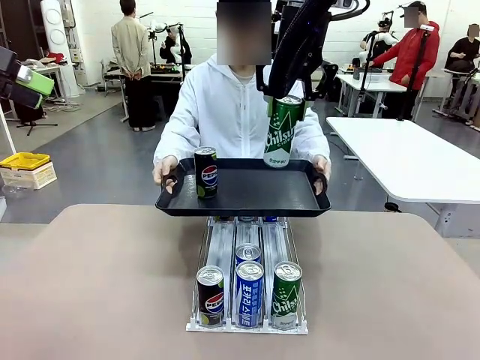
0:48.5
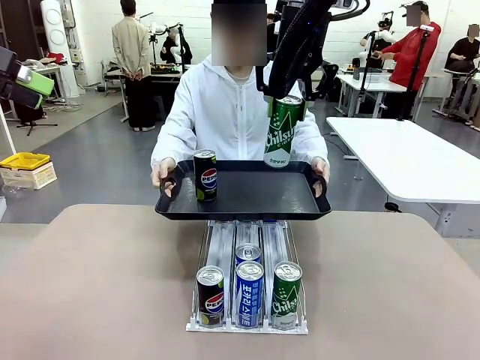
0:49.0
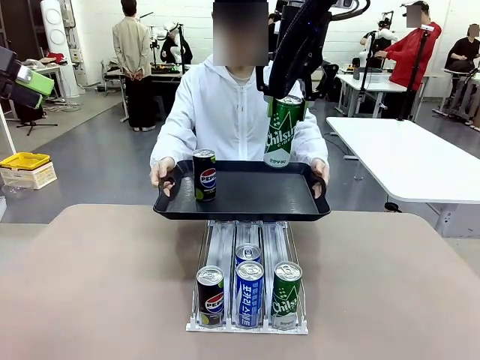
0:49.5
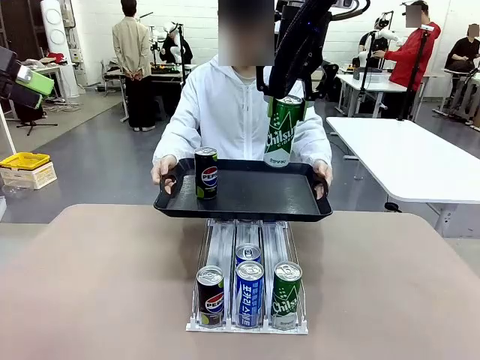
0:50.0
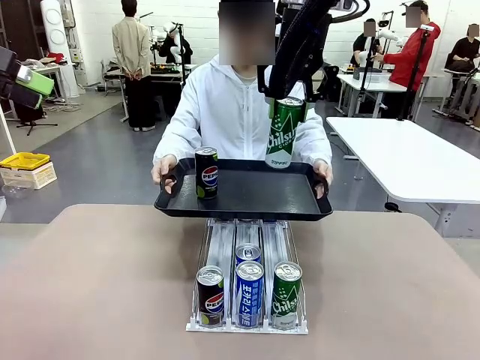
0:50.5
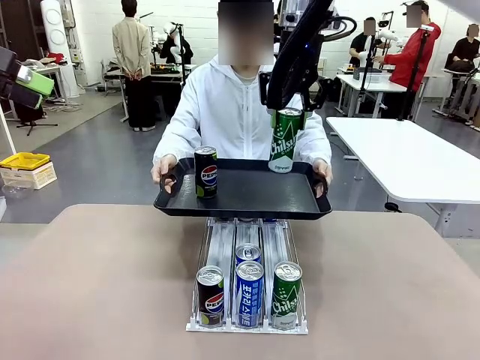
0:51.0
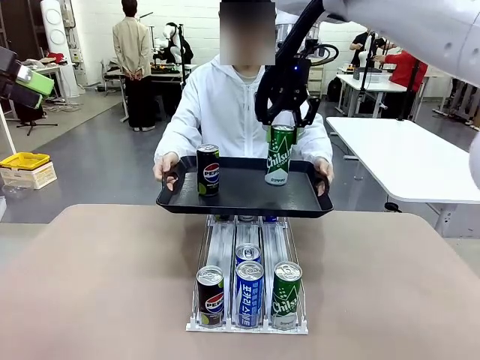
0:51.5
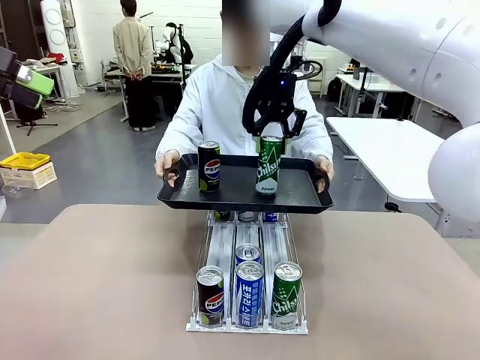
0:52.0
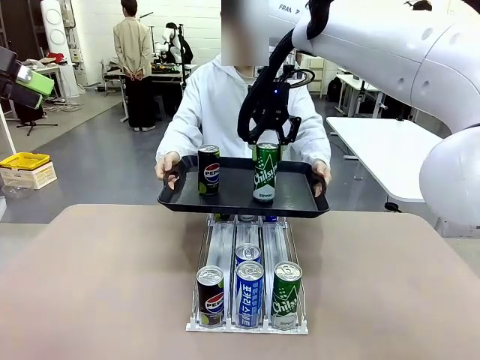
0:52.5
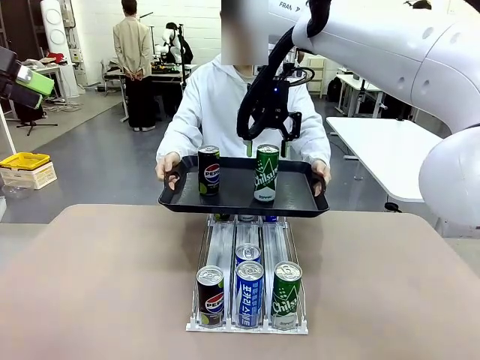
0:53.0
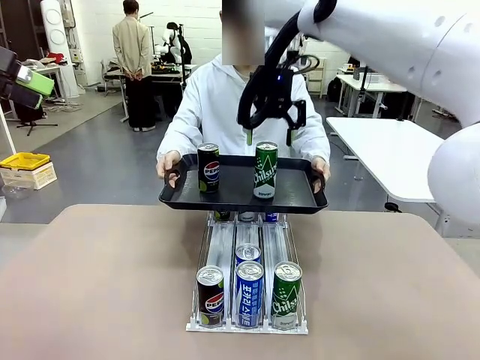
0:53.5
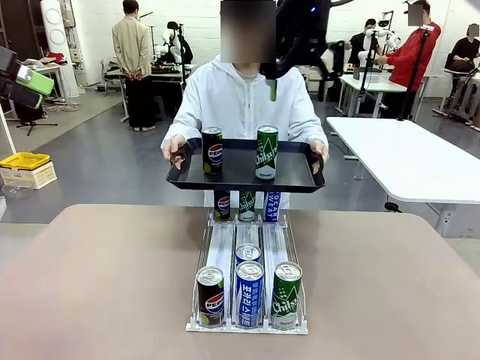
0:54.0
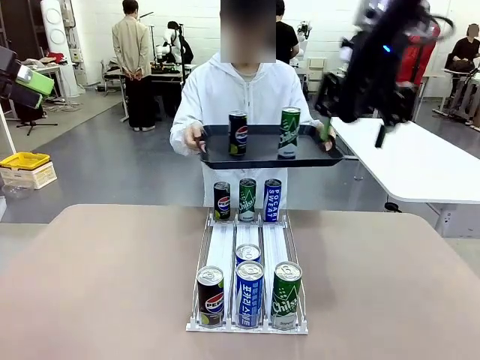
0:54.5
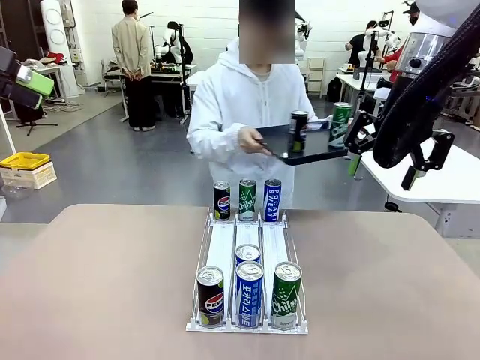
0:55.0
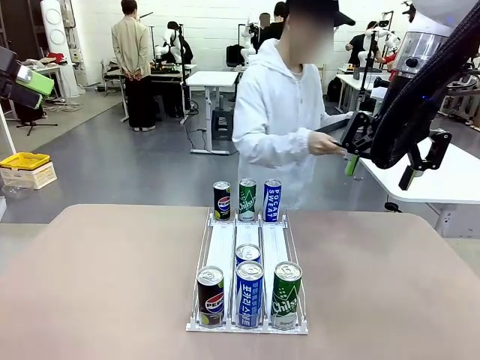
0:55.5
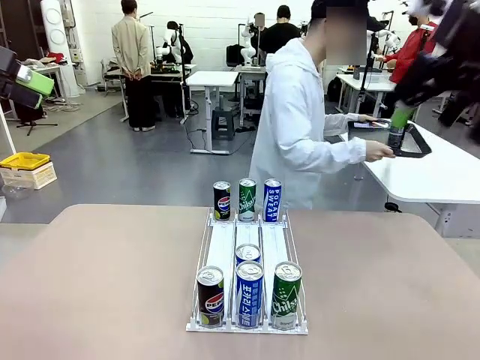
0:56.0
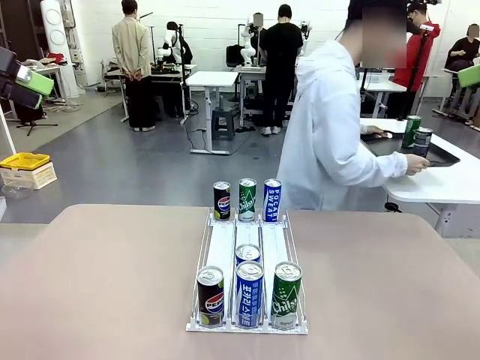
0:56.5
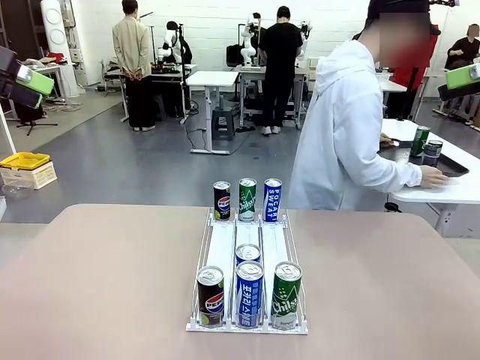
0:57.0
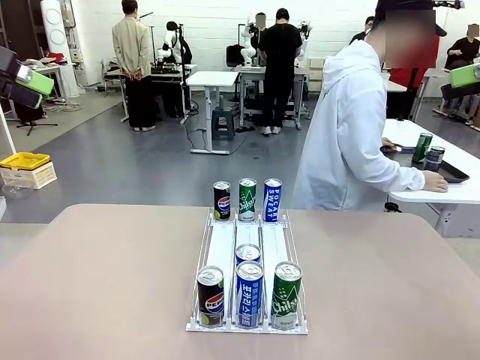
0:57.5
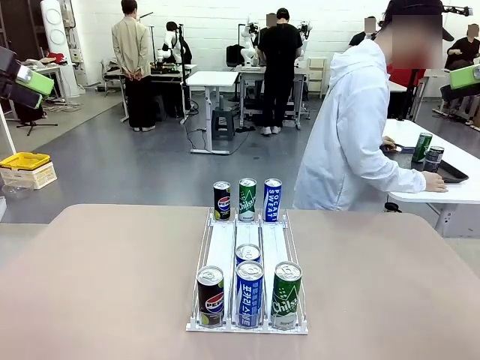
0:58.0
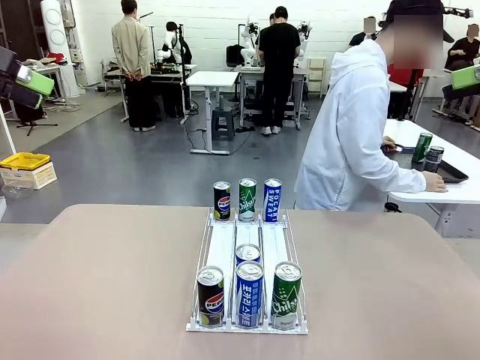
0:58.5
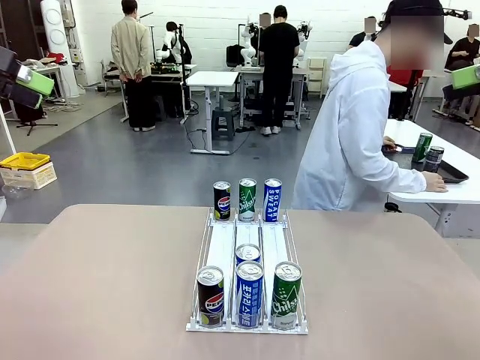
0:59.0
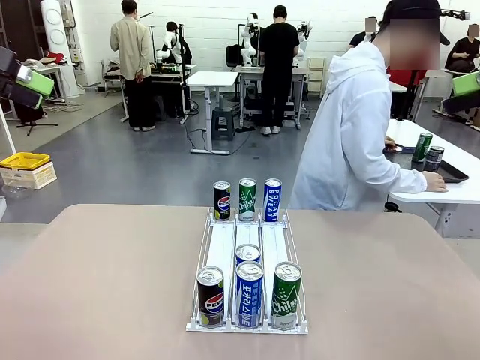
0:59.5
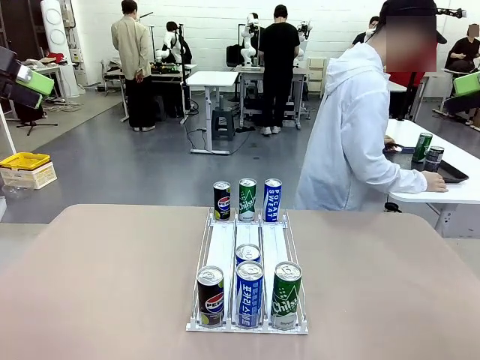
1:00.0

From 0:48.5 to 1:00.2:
Task: Retrieve and hand over the desired beverage to the person.
Robot: Place the picked can on the Handle tray extended by the person.
Person: Pull the tray back and place it at the center of the human table.

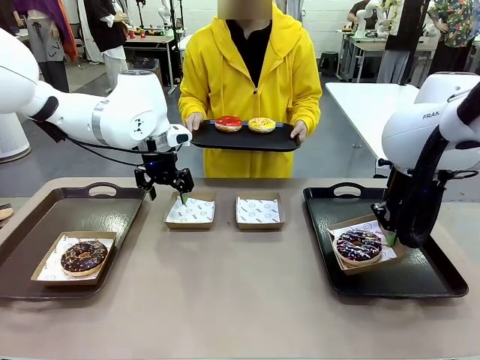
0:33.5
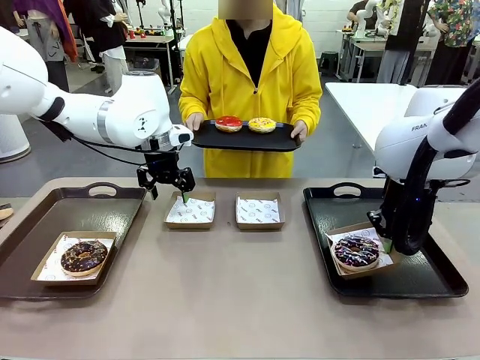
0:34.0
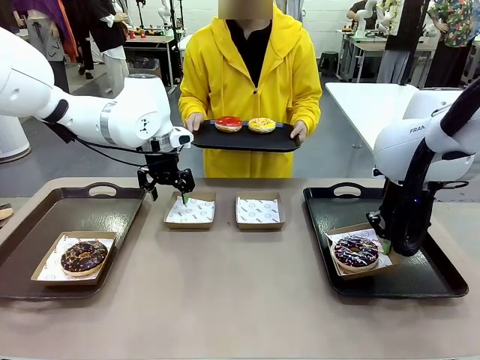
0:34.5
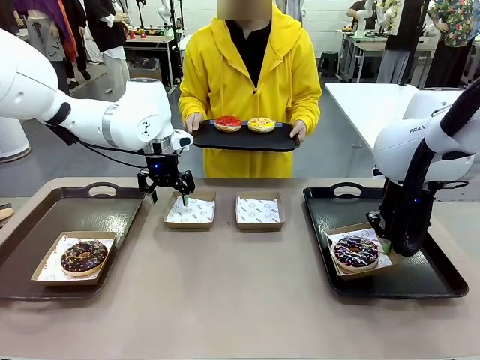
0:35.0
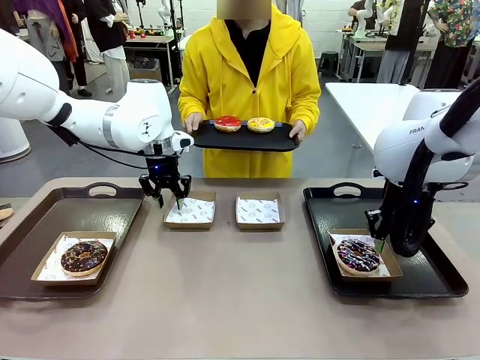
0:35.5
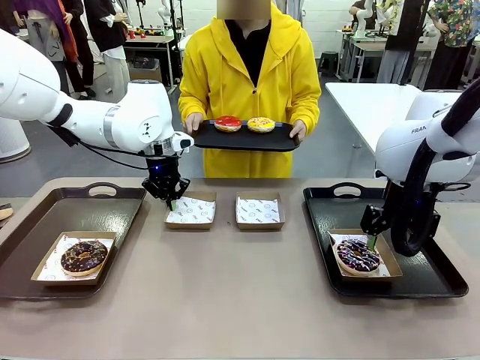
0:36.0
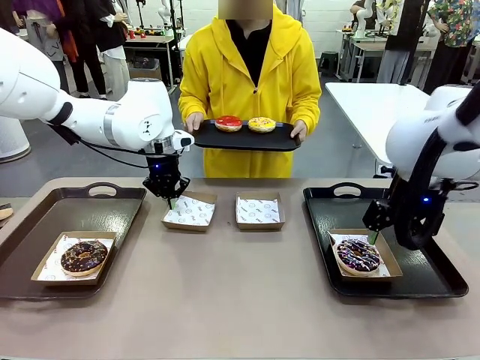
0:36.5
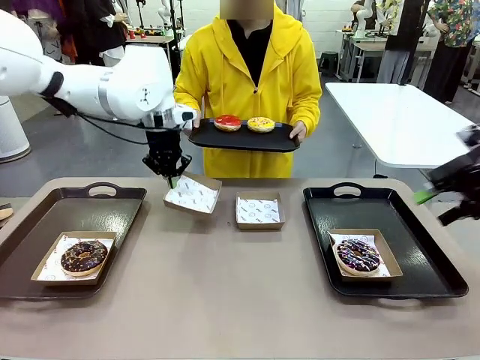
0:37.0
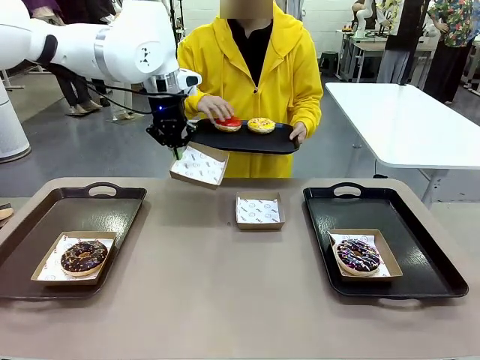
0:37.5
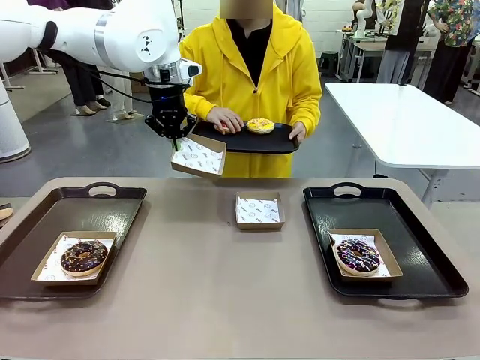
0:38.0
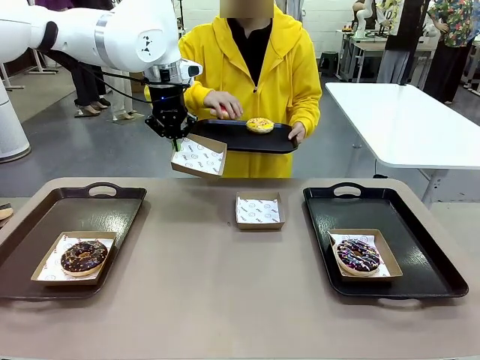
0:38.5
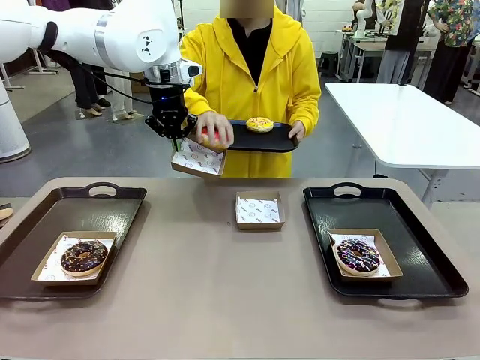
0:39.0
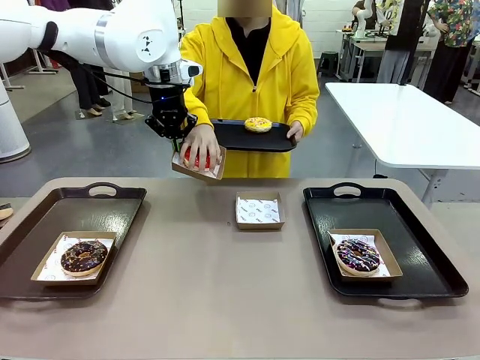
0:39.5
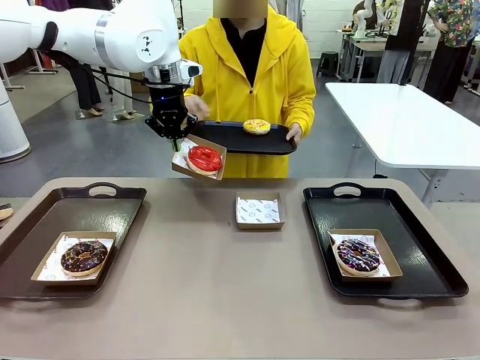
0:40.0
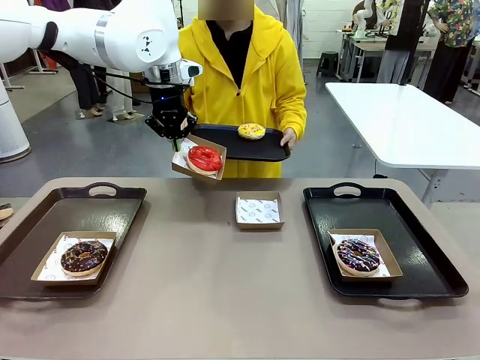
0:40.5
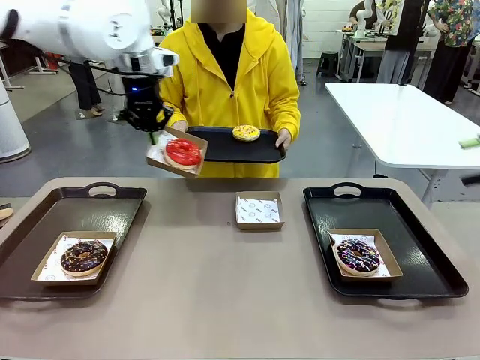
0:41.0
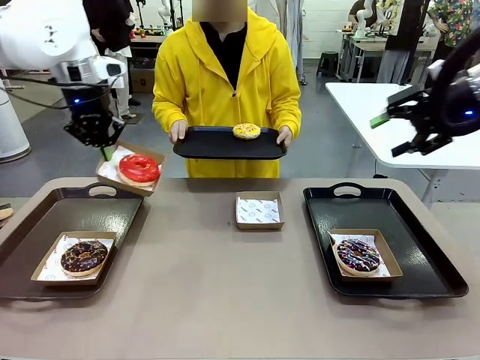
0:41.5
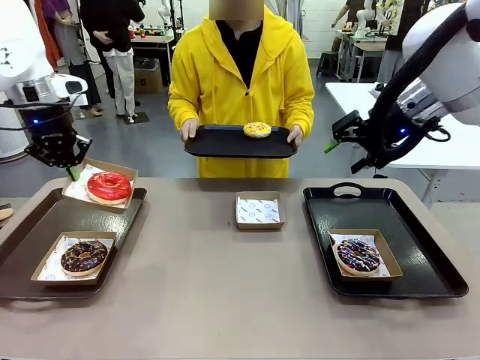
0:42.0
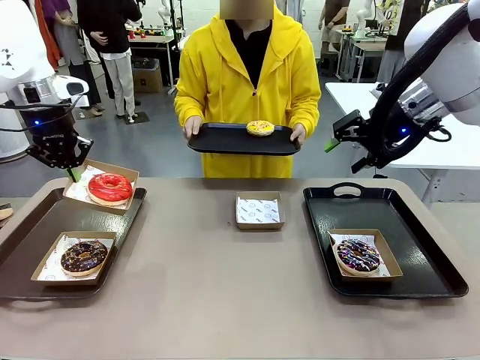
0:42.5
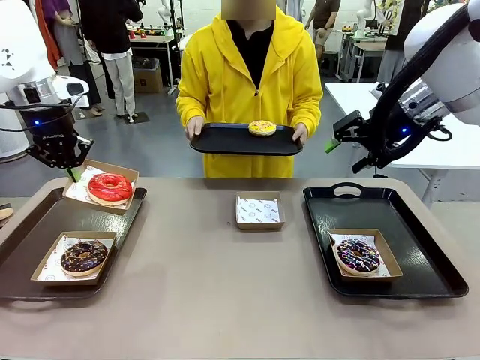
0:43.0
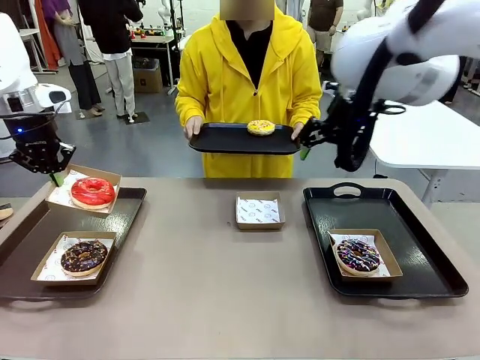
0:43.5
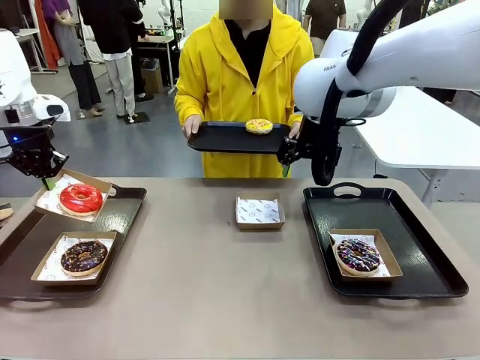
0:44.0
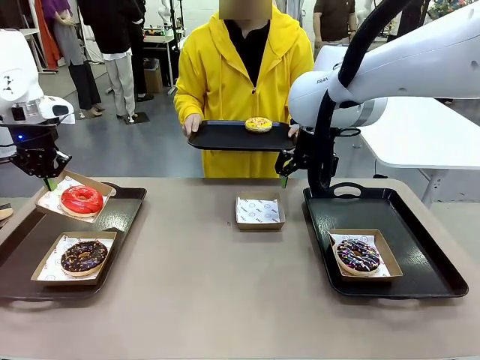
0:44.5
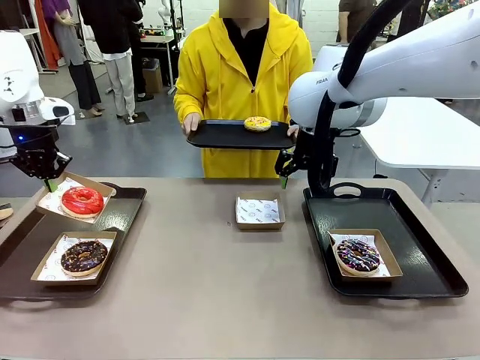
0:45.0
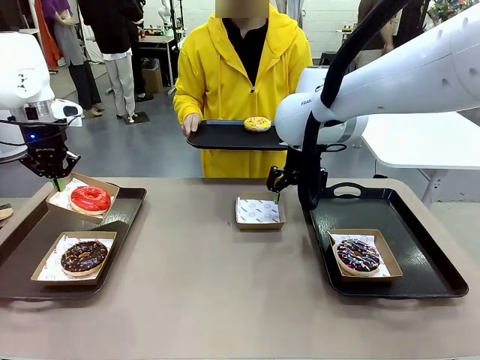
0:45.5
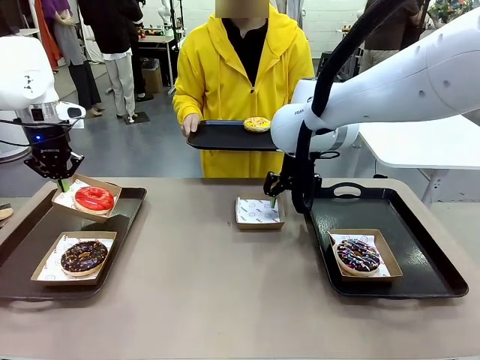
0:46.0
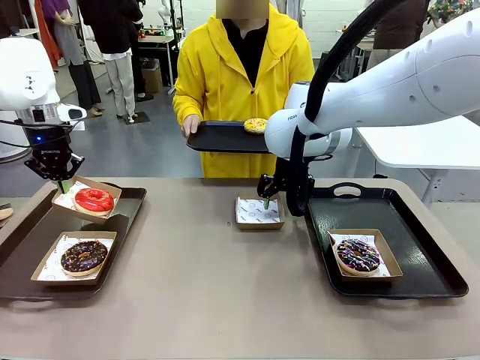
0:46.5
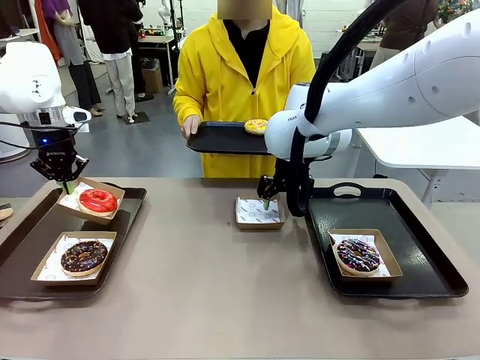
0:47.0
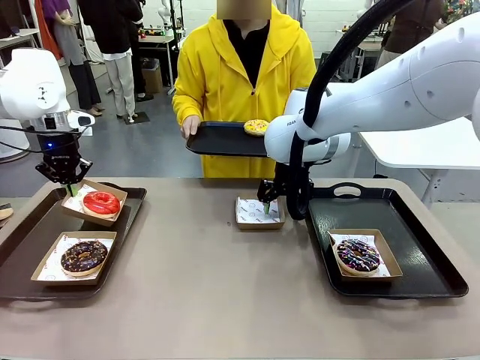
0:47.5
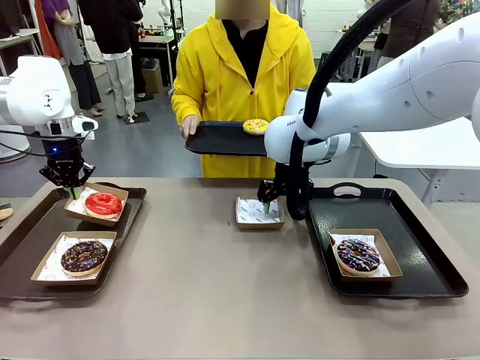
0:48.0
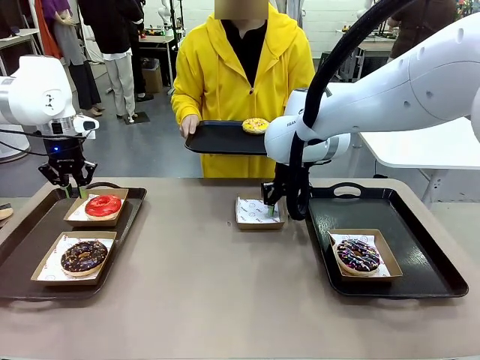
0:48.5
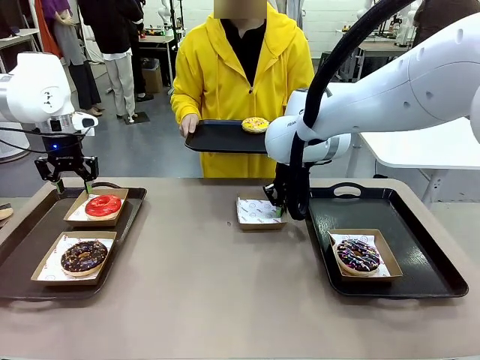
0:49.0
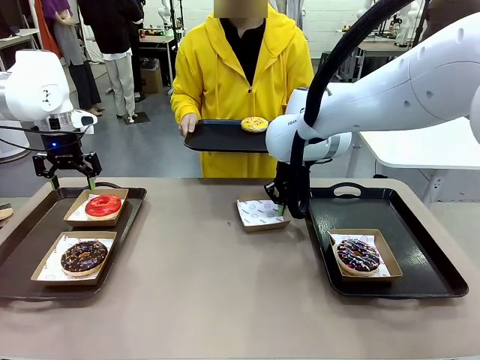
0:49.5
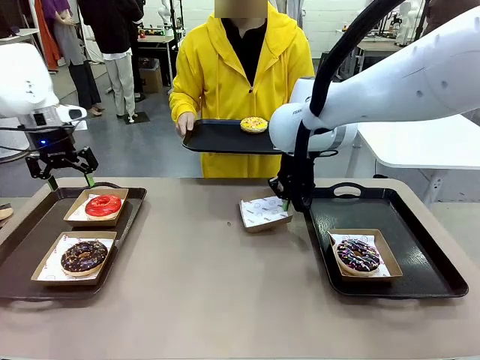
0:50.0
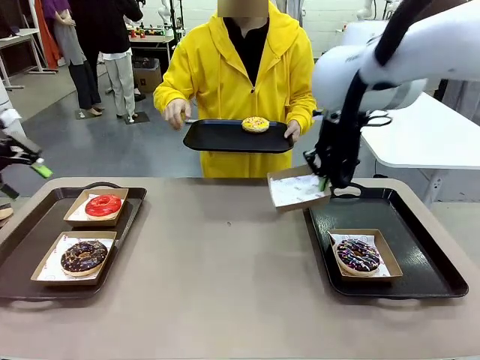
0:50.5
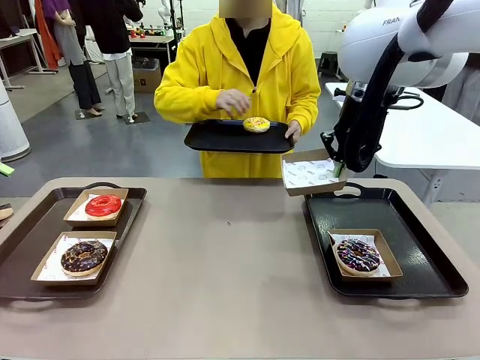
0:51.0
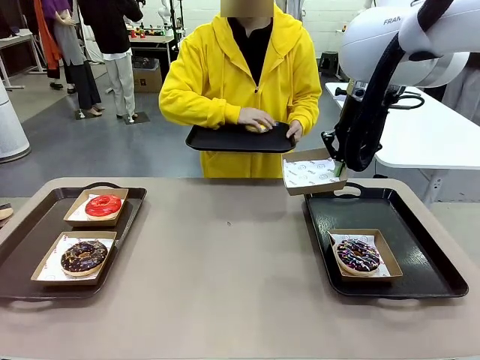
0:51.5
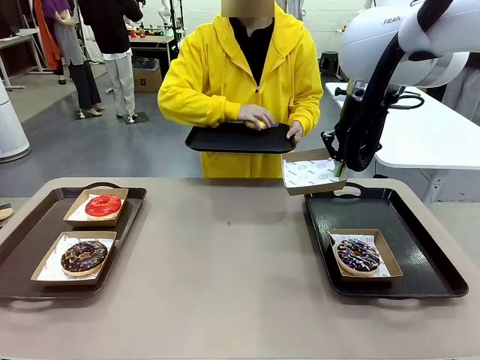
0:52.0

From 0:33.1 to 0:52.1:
Task: Individually package the donuts and arrange them on the tray.
Robot: Place the picked Paper togo box on the Handle tray while simultaneously picking up another Paper togo box from the table with the other hand.
